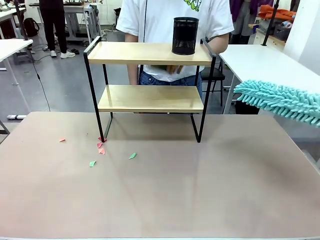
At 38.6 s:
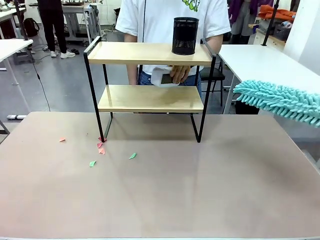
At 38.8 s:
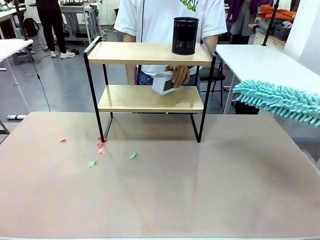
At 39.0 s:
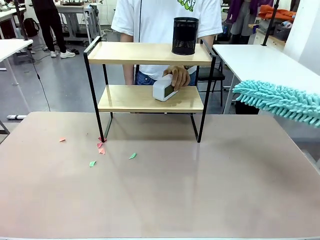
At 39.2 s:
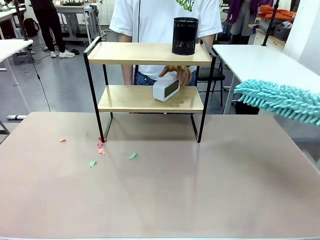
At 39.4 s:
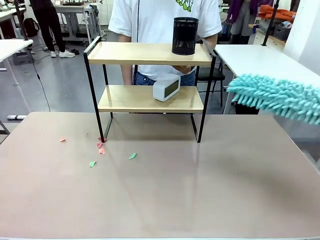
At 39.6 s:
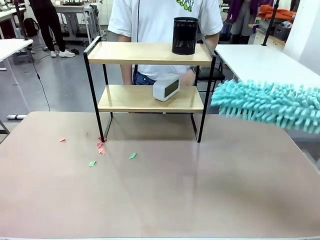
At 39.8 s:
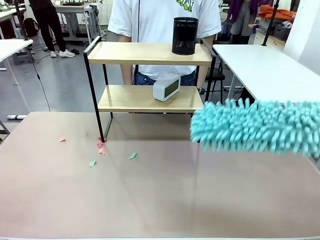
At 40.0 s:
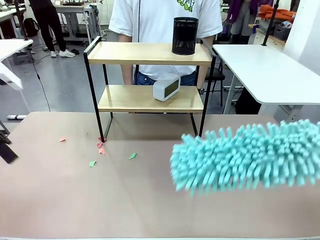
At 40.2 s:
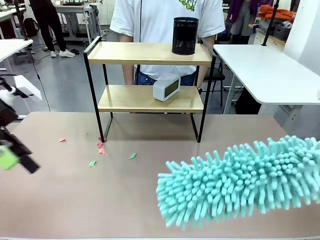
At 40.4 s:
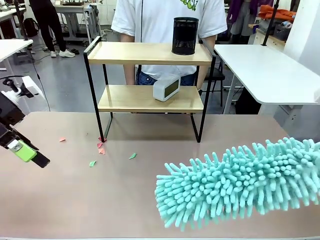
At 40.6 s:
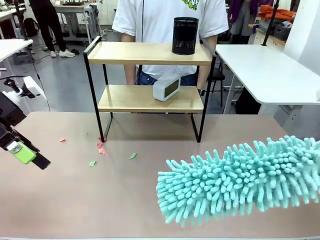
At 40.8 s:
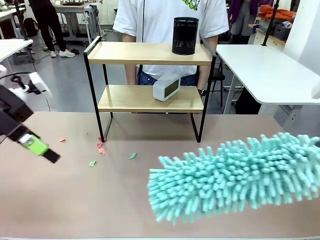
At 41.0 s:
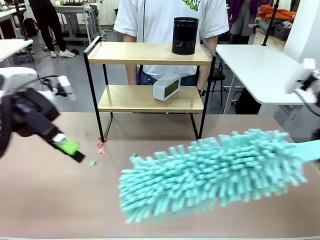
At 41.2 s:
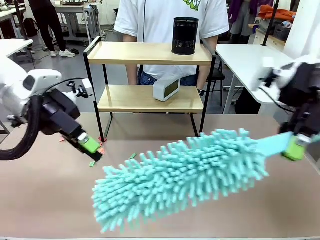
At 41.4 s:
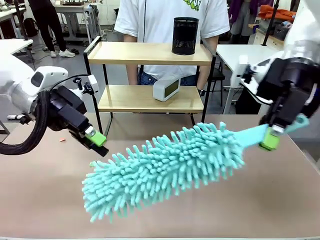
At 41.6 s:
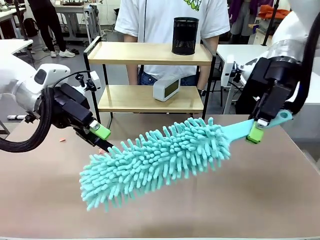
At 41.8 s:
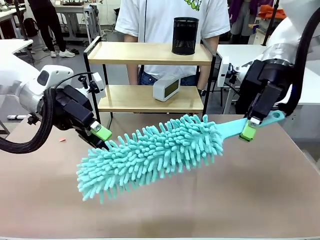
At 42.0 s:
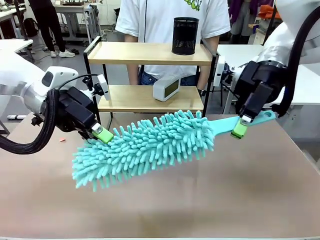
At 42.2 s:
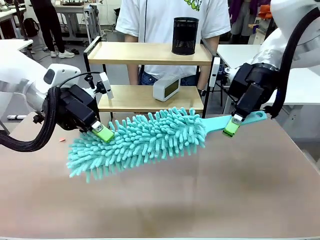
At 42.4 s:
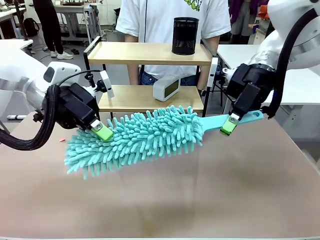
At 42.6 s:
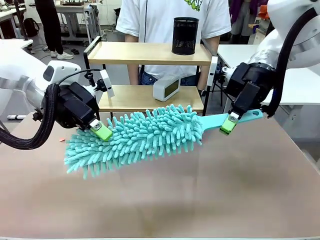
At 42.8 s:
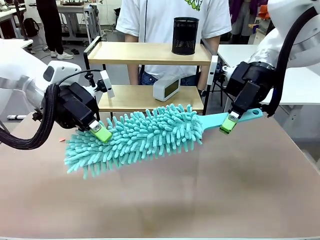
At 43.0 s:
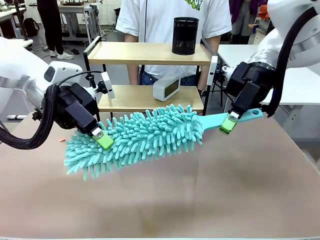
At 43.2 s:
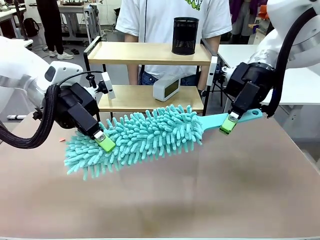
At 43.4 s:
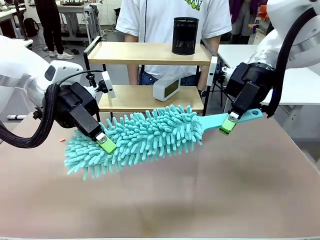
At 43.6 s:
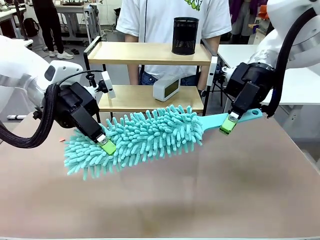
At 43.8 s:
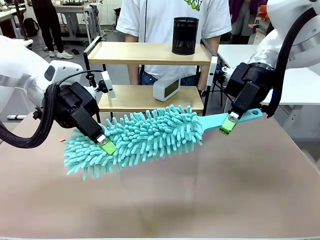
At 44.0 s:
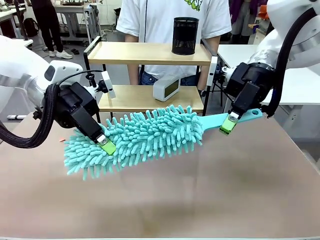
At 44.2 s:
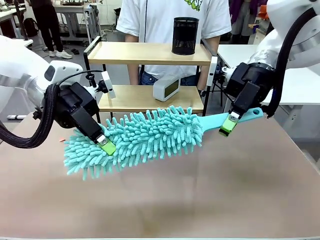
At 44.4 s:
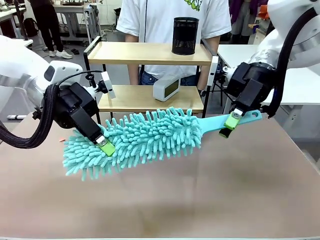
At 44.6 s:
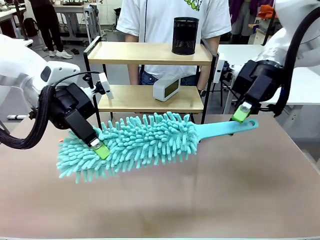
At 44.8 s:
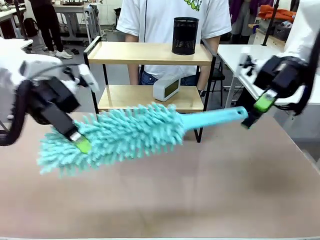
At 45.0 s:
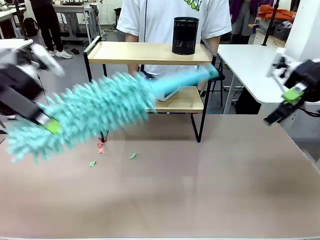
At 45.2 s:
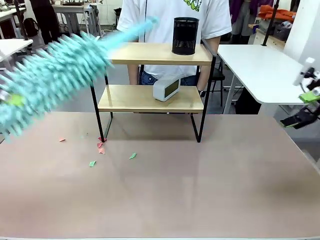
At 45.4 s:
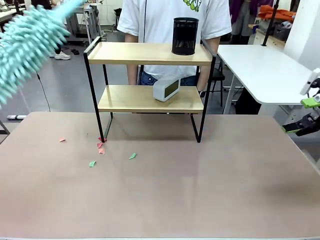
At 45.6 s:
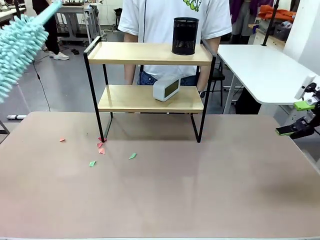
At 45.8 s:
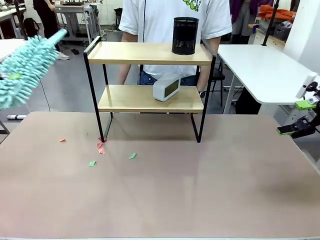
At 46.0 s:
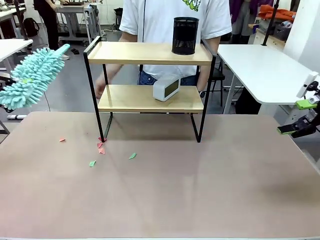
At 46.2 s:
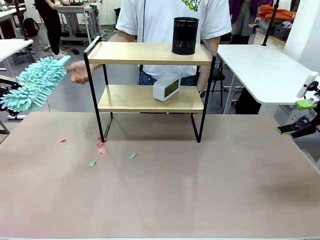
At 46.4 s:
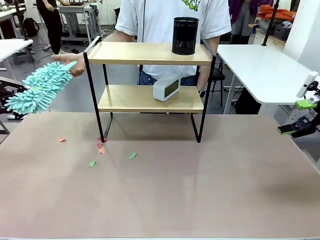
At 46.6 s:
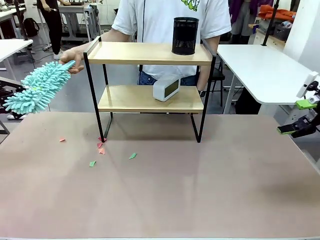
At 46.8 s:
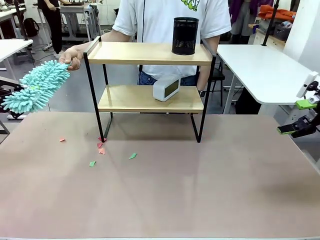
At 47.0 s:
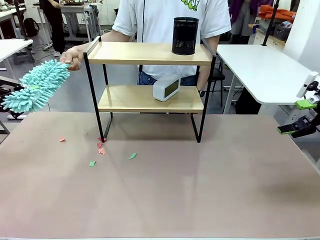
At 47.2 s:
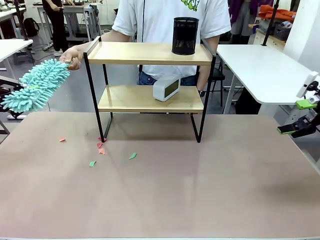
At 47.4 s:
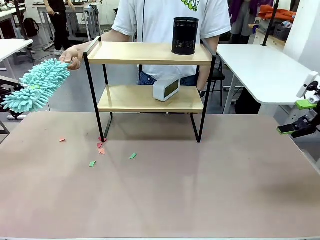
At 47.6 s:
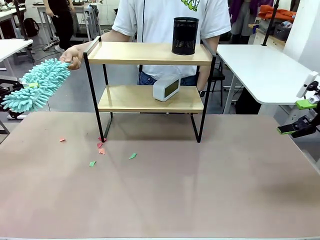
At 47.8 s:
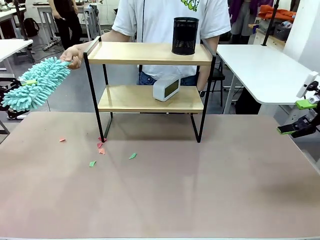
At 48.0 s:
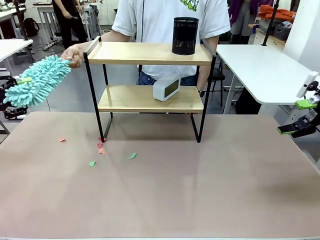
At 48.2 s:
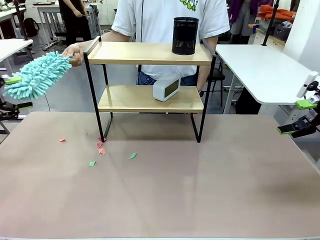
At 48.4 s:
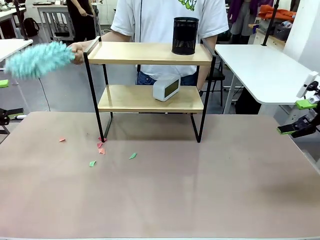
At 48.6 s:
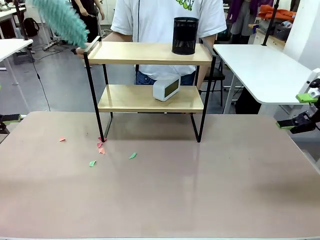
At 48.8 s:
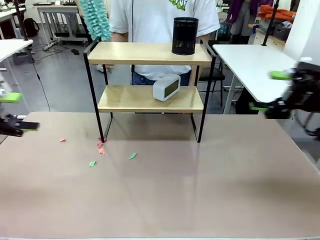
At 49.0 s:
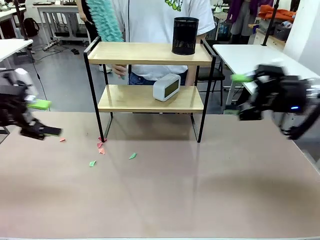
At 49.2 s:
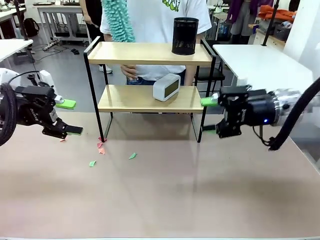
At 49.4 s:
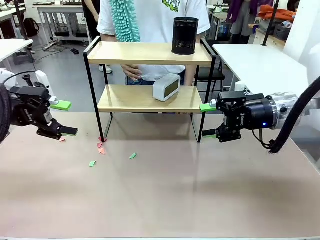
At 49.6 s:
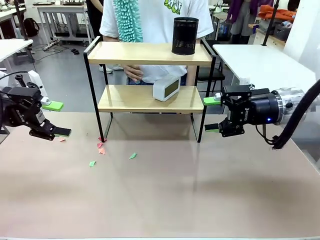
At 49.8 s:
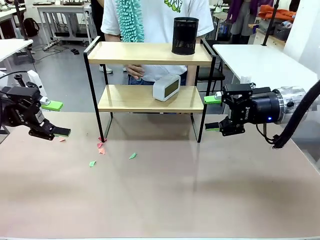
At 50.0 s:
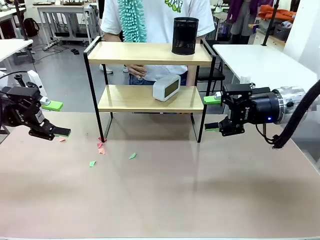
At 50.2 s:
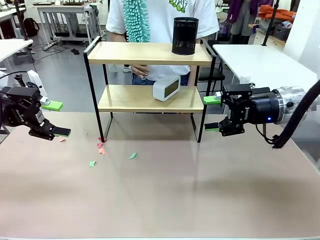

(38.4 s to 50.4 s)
Task: Clean the shelf.
Robot: Hand the Duster back to the human.

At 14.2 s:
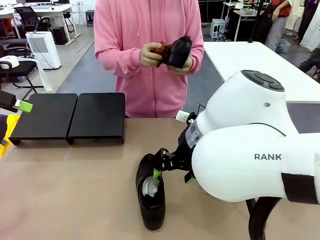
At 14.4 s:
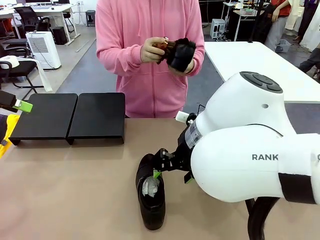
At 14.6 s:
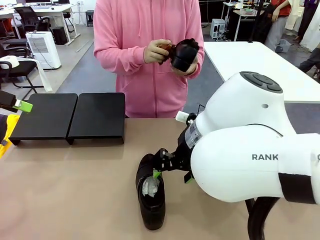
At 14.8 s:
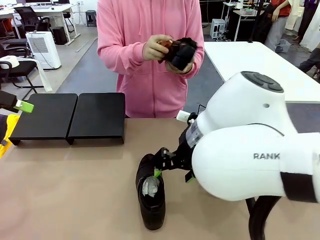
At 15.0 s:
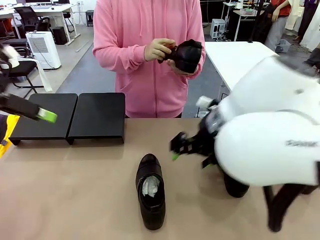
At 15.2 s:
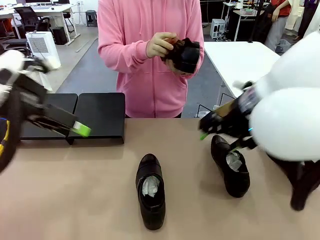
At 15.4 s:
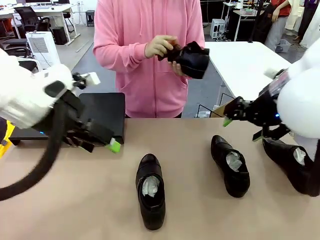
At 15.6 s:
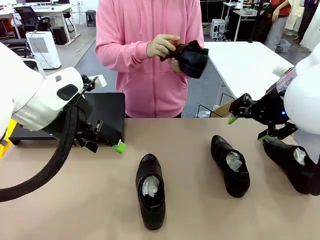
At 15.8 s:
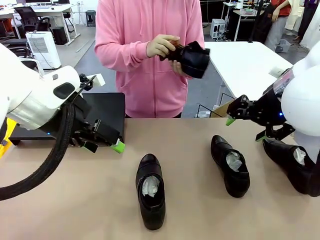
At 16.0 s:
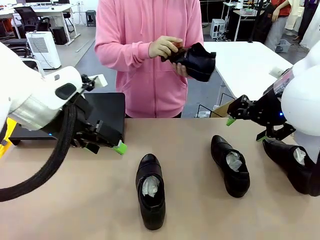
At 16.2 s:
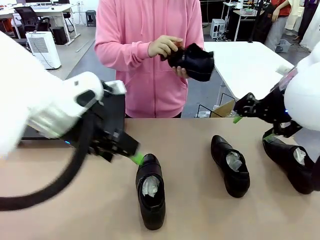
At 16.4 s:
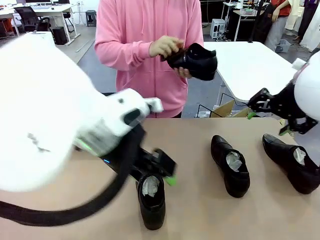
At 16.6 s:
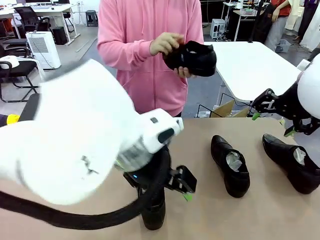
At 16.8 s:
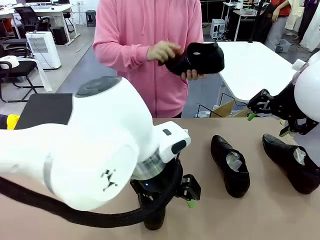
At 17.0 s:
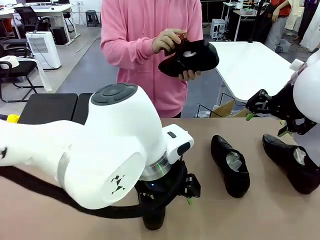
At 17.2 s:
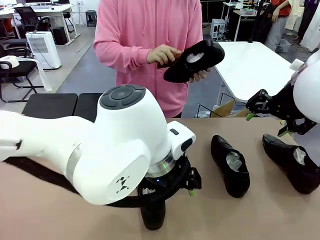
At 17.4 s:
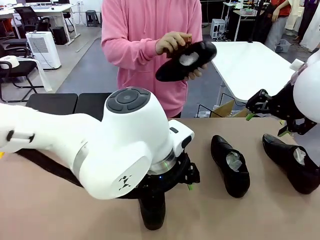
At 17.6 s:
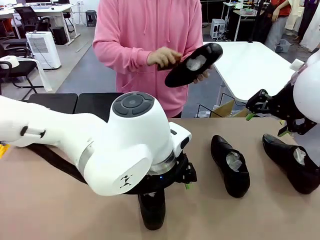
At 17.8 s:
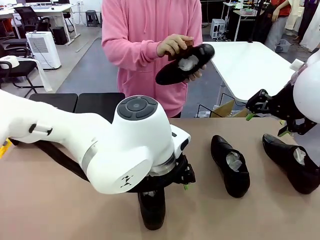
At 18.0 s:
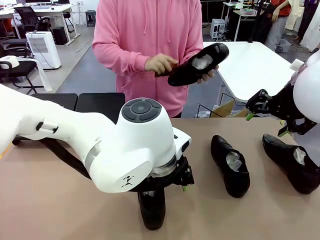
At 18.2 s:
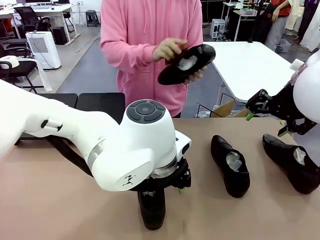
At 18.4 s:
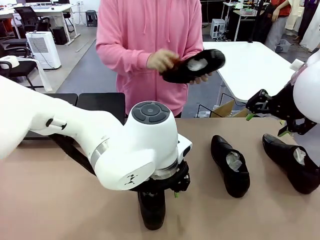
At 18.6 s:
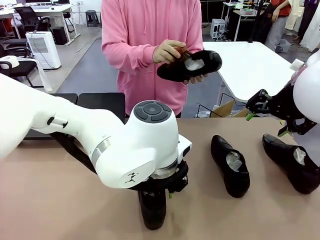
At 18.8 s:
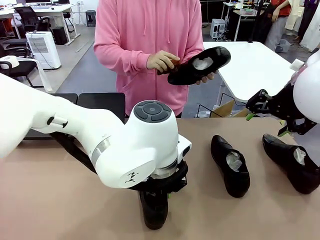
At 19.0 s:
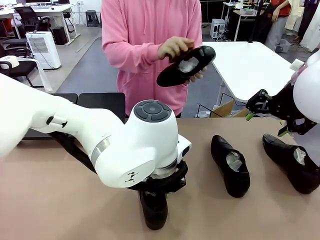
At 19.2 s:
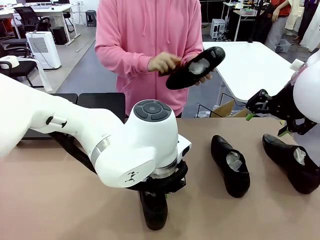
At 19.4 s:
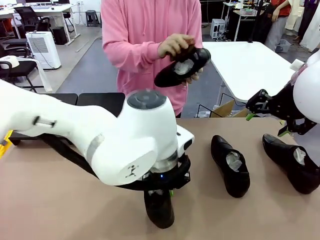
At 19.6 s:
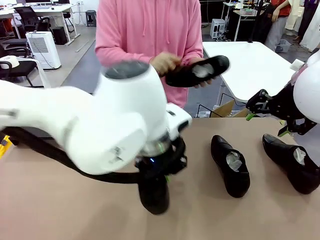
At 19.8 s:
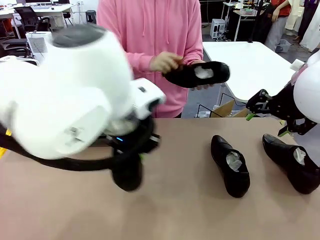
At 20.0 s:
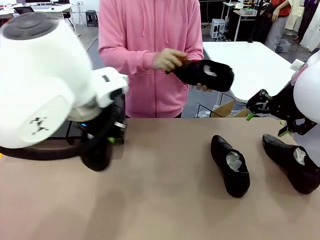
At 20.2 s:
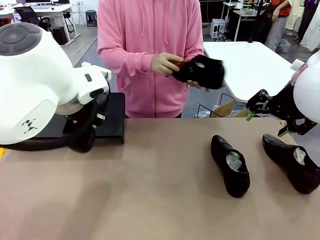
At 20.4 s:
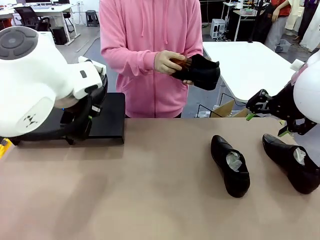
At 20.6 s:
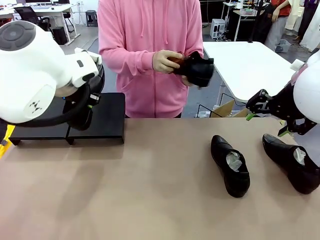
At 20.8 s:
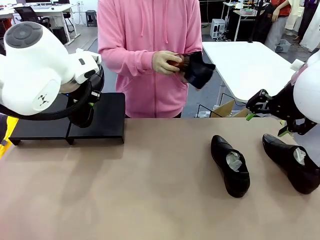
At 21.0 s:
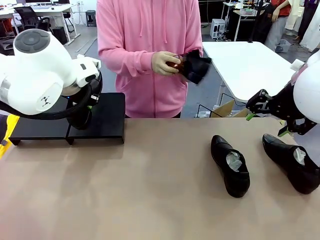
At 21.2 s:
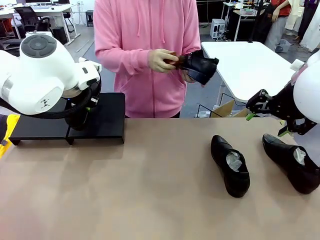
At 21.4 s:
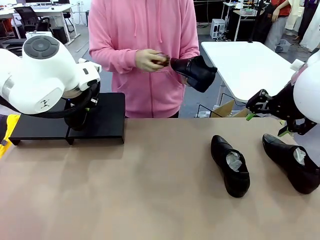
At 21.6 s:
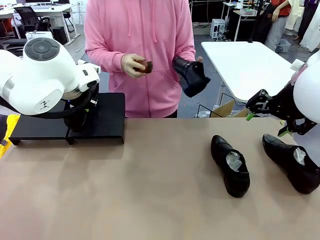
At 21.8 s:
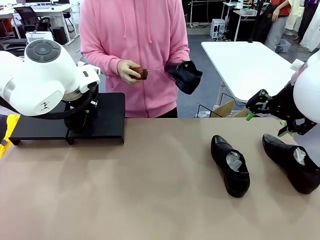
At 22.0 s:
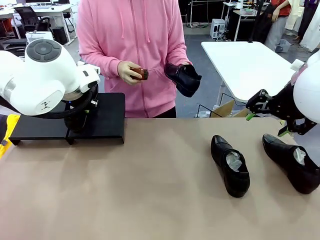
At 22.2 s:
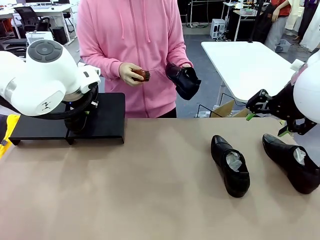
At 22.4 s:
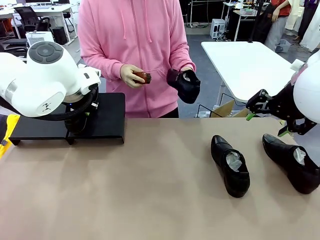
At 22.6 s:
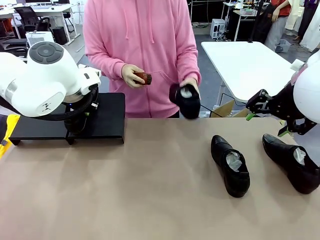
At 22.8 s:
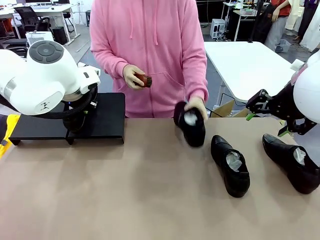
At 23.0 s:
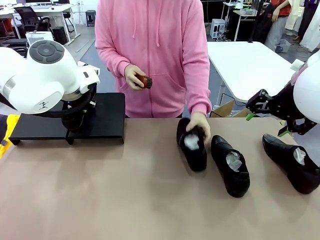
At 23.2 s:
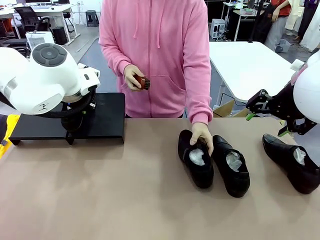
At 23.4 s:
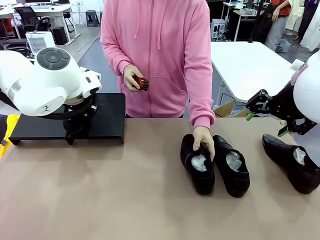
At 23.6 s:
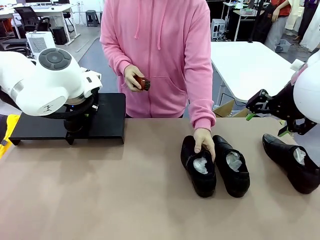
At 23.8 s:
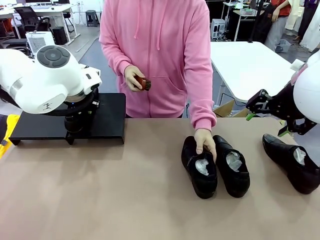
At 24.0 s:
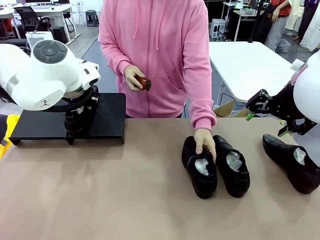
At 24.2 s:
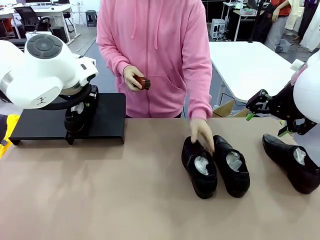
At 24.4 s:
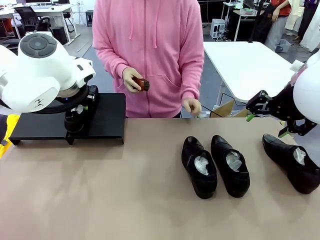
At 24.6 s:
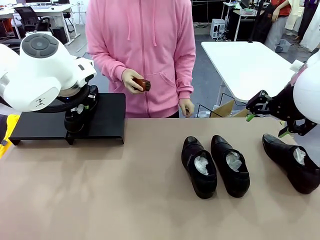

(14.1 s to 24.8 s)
Task: Organize the shoes by placing them on the stand.
Robot: Place the Shoe from the middle of the table onto the Shoes Stand.
Person: Place the Shoe on left side of the Robot's table.
